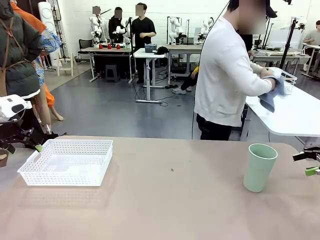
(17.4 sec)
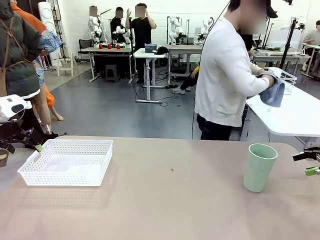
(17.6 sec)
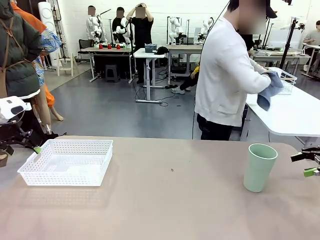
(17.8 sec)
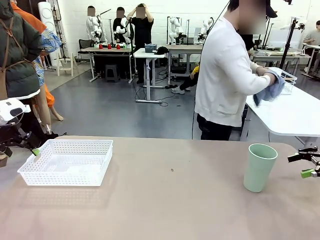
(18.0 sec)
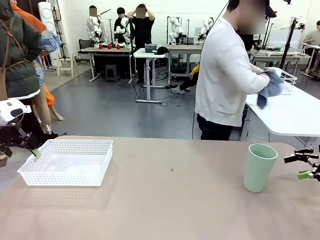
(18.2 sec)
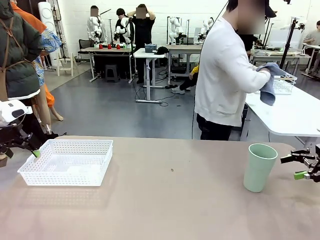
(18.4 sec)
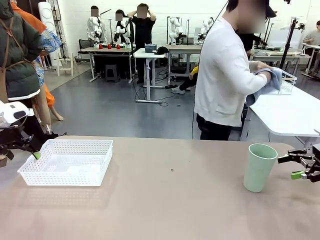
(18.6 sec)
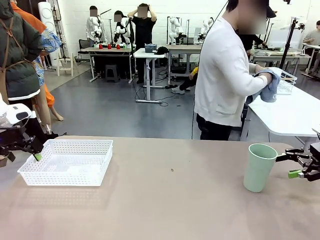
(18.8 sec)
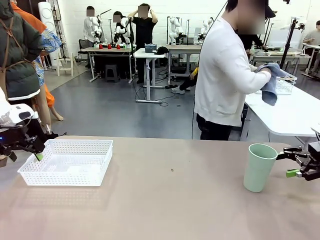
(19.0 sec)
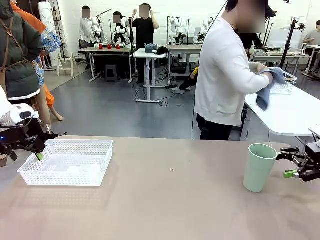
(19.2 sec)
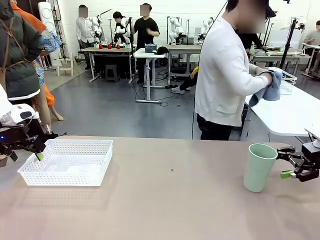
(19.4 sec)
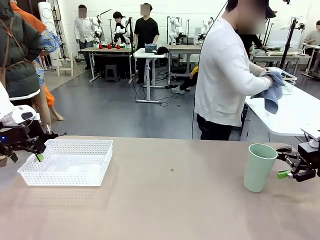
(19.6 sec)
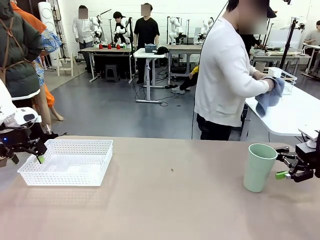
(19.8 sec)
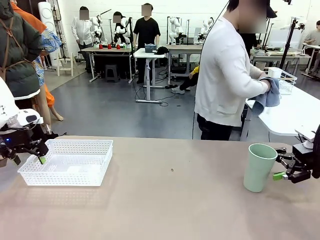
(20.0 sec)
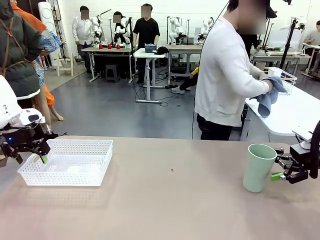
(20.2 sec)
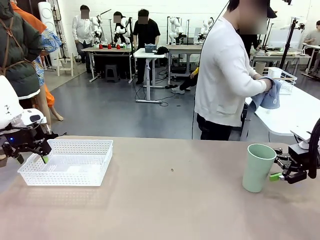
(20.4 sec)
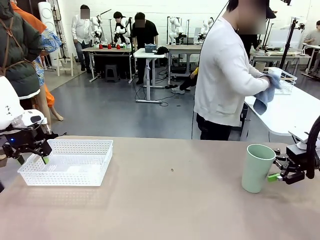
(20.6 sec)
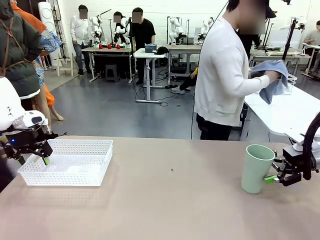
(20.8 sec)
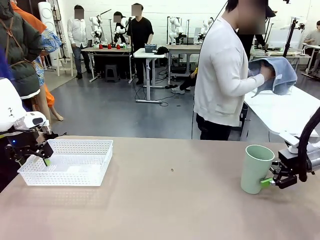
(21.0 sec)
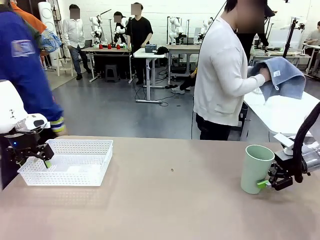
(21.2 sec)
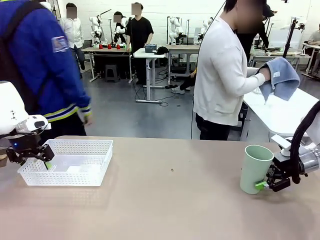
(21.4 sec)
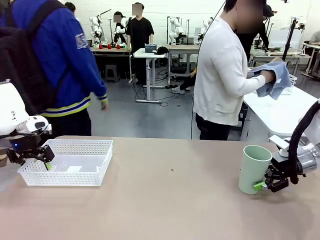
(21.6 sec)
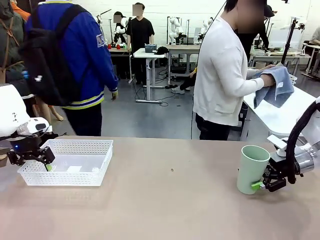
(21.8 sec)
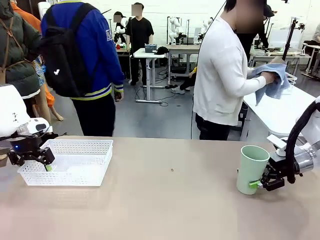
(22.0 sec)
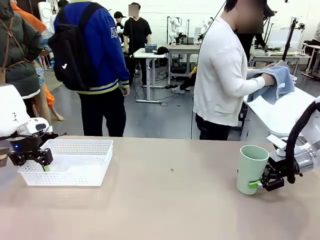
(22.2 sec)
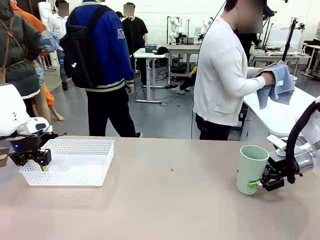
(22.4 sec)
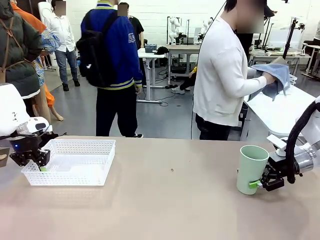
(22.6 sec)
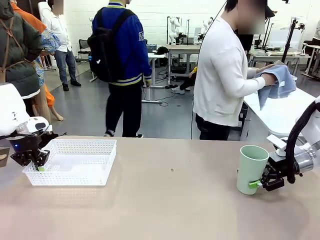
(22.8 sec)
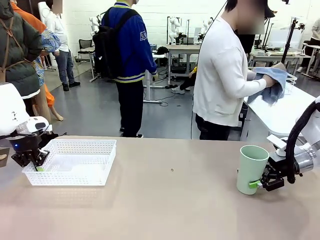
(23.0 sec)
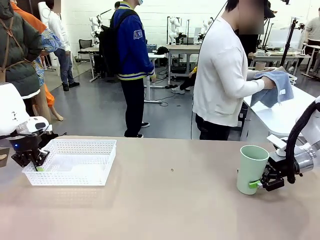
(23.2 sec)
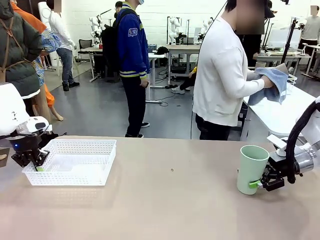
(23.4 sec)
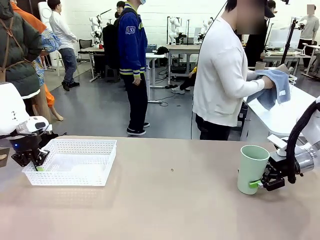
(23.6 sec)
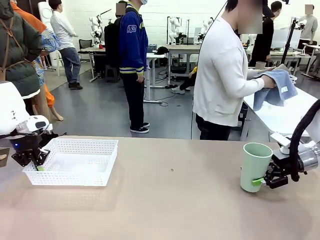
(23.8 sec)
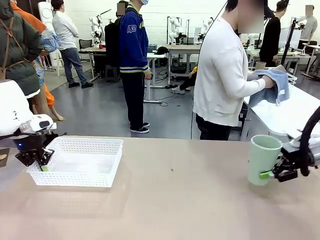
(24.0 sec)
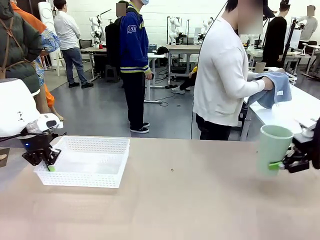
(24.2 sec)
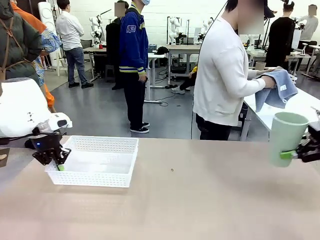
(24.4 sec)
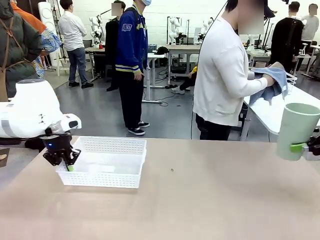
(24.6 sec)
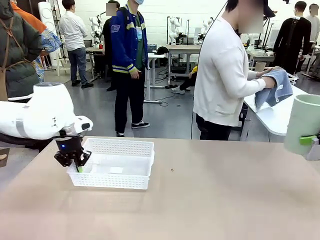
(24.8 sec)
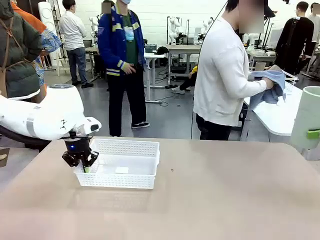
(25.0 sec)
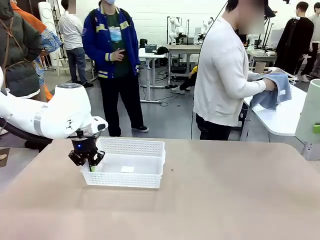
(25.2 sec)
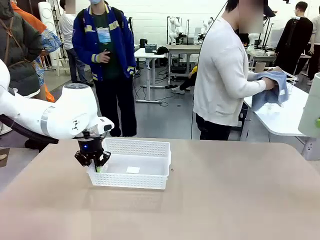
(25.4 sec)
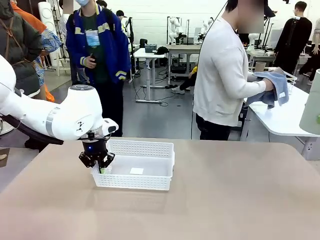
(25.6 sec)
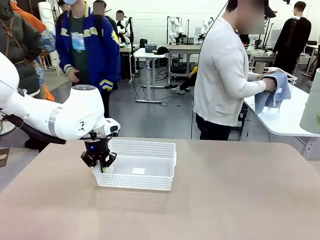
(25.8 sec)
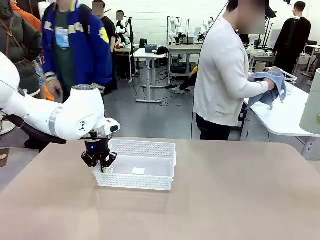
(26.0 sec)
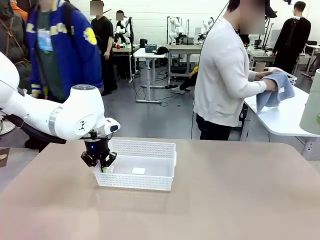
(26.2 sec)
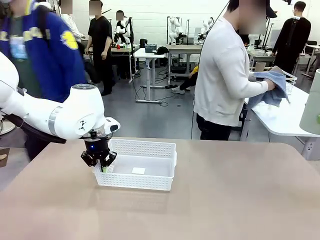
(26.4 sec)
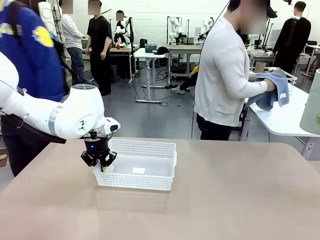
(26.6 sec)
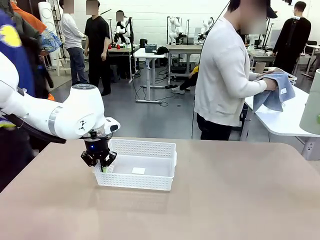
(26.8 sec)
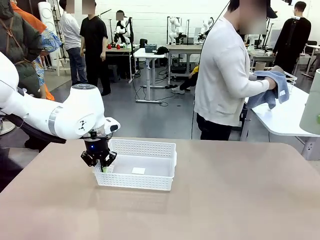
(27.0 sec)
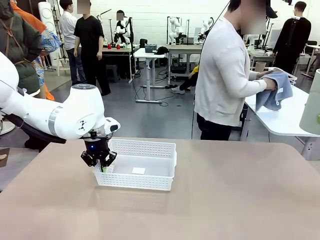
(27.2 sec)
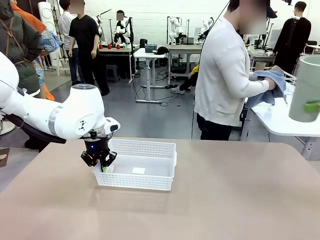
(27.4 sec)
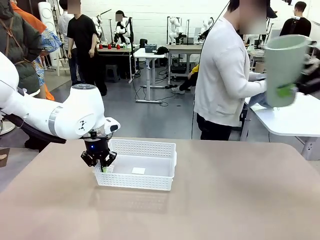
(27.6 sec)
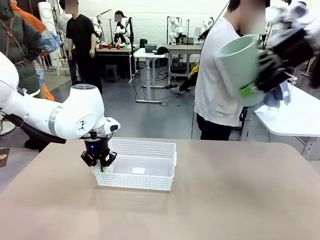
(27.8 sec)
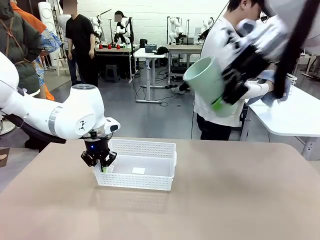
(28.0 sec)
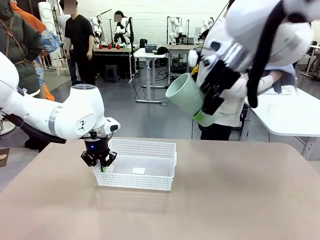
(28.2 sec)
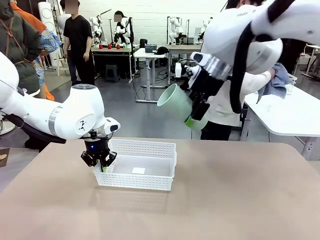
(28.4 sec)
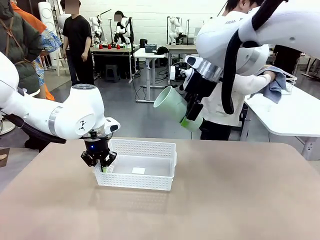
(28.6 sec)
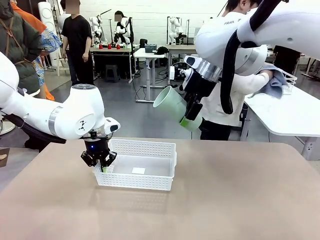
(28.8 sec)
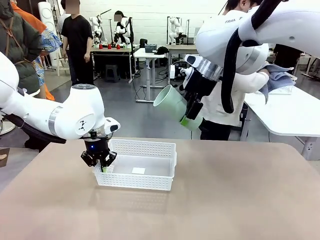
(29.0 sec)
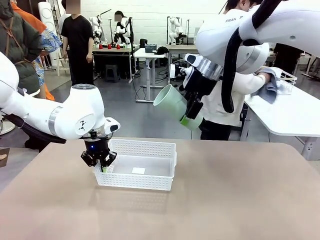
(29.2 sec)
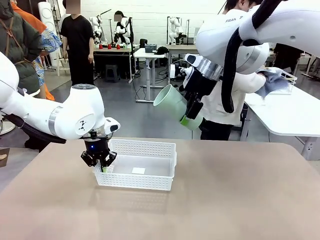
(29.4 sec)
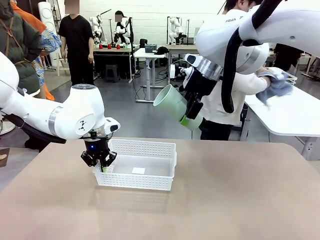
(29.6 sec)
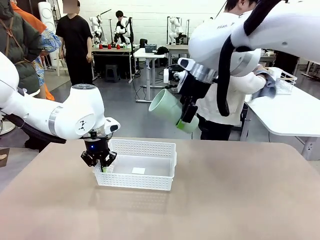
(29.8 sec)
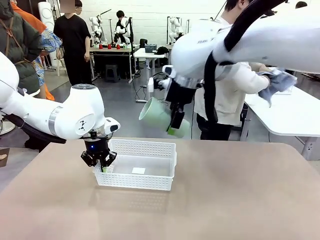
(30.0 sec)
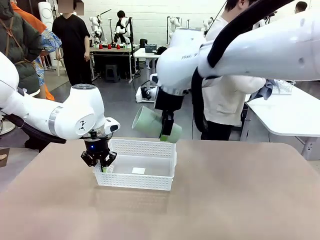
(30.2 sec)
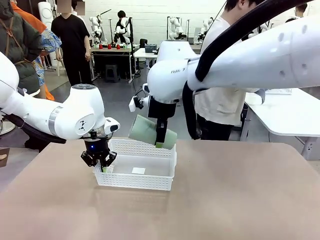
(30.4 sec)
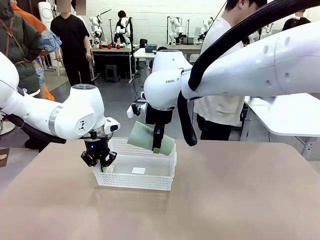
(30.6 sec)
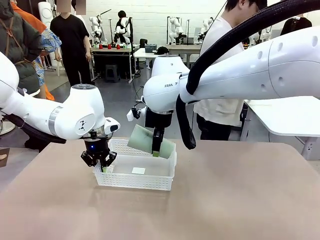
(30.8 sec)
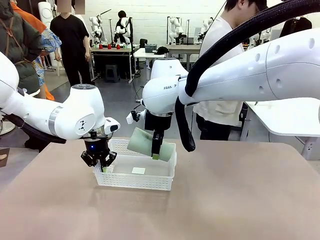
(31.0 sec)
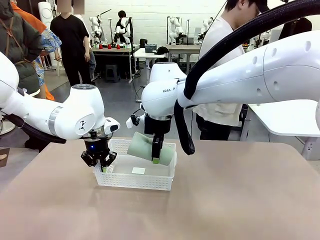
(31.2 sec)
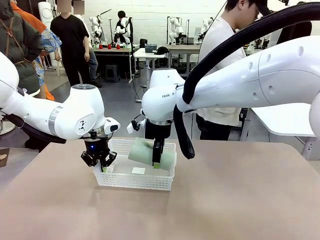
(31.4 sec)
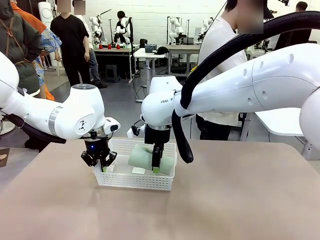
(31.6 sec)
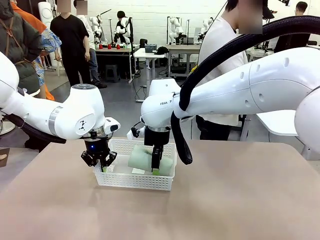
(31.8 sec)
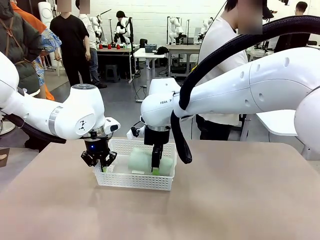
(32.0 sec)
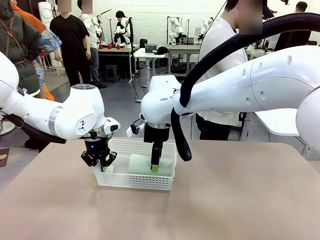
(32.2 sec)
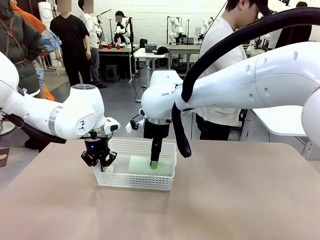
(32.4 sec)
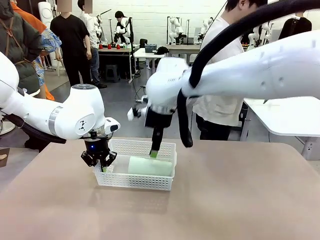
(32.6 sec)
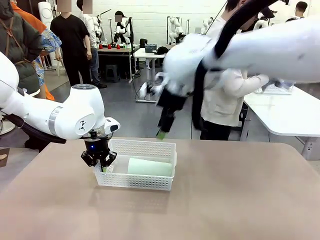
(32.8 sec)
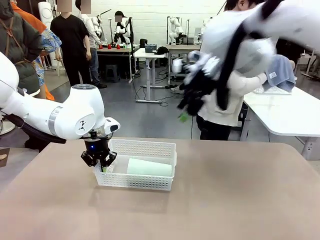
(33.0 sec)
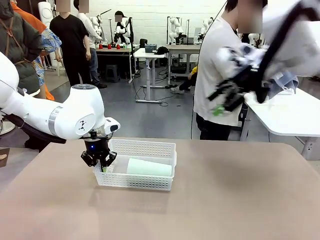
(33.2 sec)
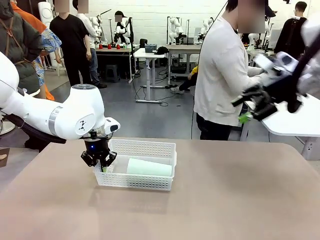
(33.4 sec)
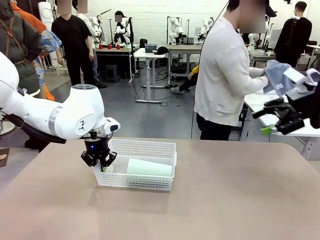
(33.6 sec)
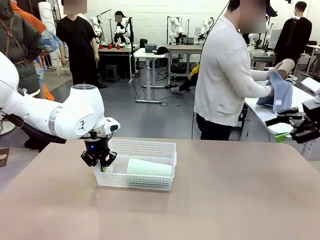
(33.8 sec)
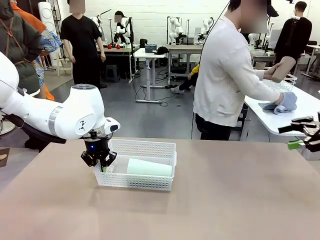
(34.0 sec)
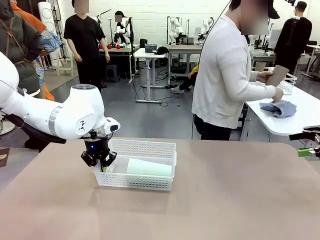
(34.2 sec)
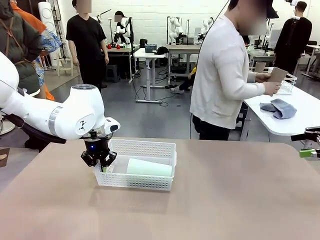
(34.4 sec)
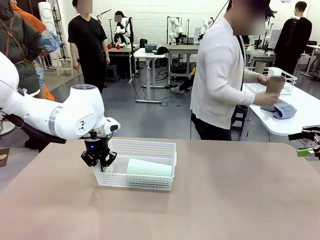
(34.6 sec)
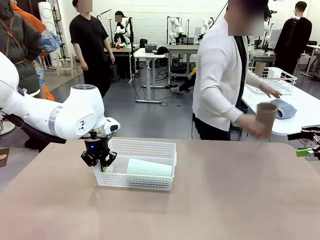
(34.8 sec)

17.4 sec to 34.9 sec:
Task: Clean and organize the cups into the basket.
Robot: Pick up the Organizing basket and move it to the center of the table, then pick up the Reusable plastic cup from the right side of the table and place it inside the Organizing basket.
